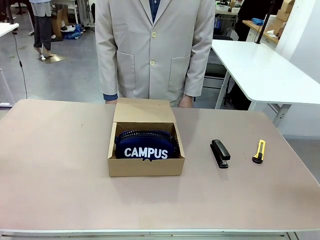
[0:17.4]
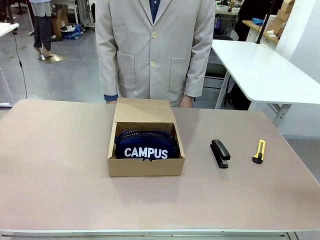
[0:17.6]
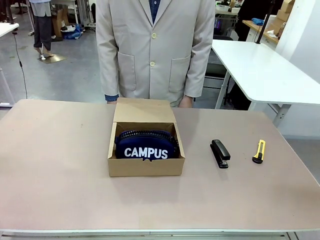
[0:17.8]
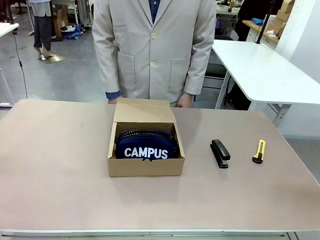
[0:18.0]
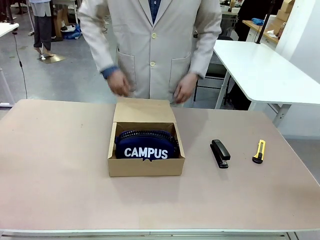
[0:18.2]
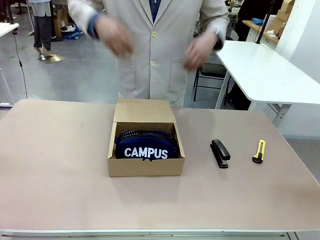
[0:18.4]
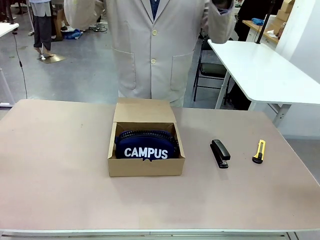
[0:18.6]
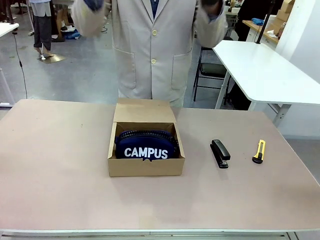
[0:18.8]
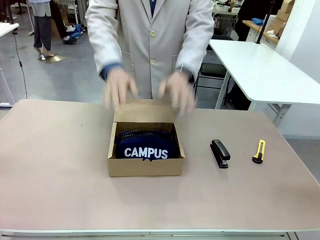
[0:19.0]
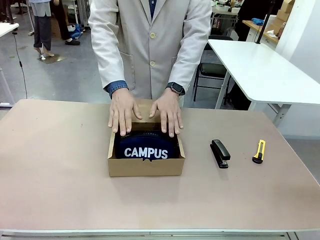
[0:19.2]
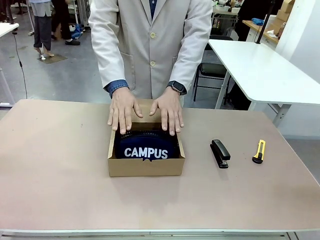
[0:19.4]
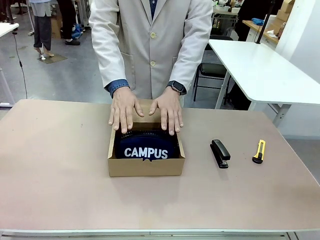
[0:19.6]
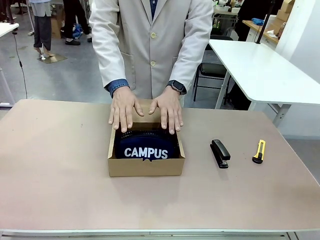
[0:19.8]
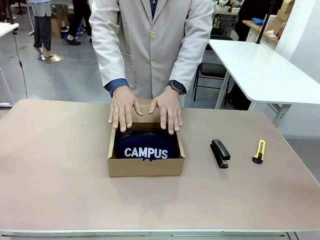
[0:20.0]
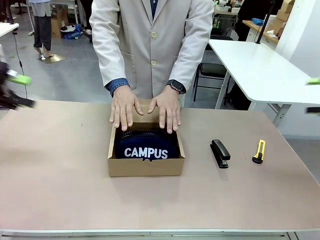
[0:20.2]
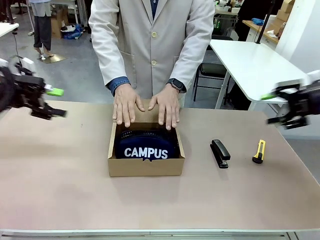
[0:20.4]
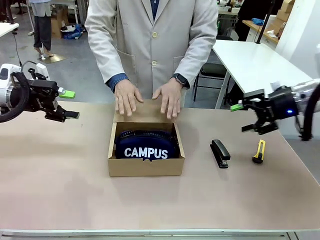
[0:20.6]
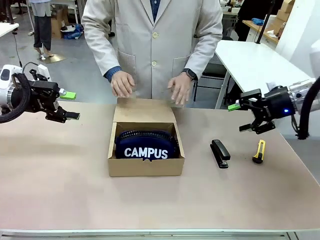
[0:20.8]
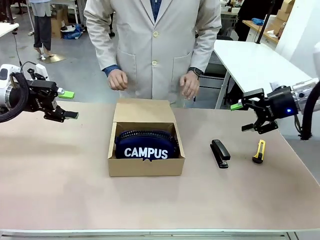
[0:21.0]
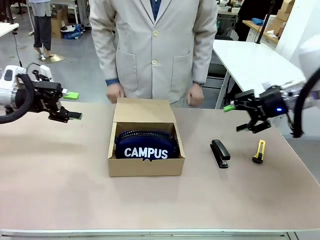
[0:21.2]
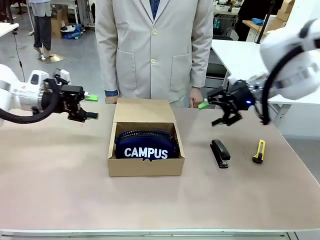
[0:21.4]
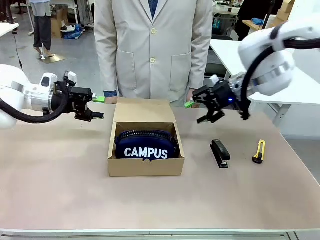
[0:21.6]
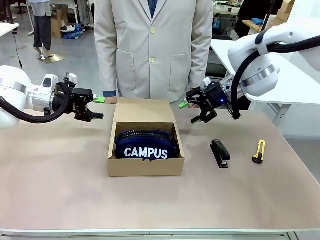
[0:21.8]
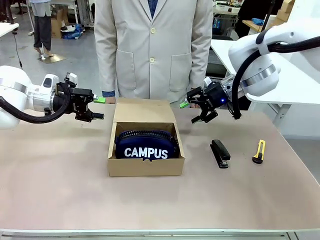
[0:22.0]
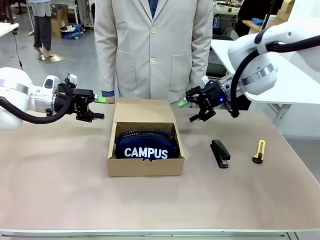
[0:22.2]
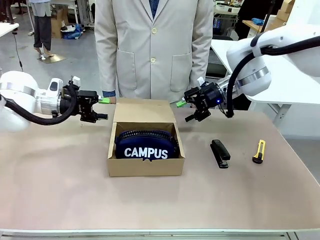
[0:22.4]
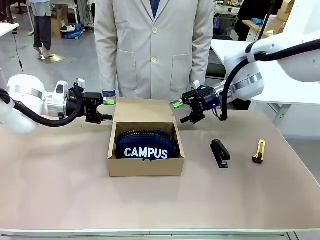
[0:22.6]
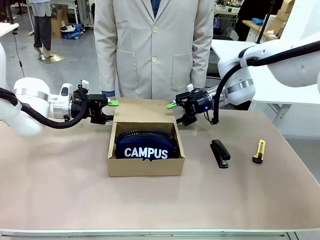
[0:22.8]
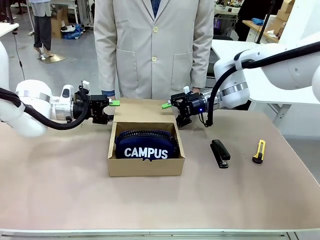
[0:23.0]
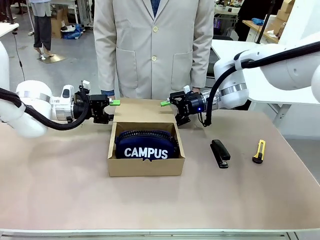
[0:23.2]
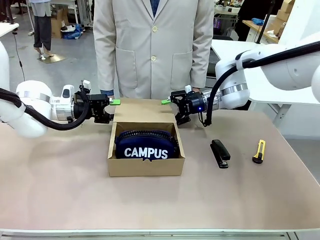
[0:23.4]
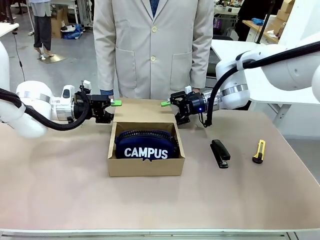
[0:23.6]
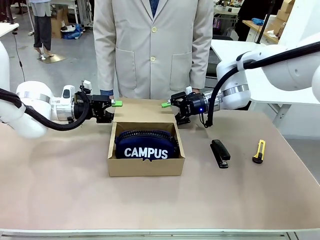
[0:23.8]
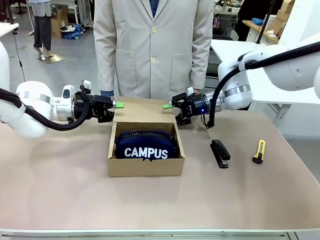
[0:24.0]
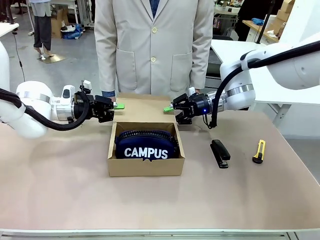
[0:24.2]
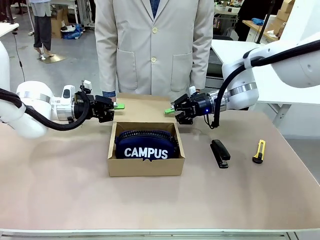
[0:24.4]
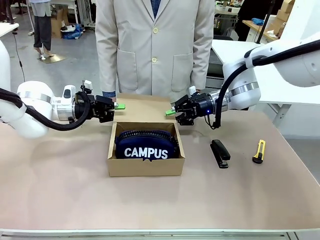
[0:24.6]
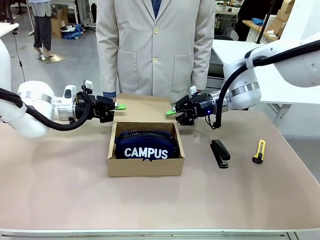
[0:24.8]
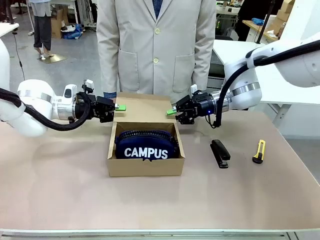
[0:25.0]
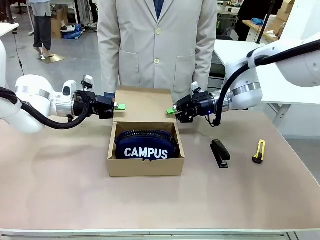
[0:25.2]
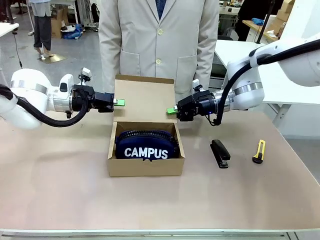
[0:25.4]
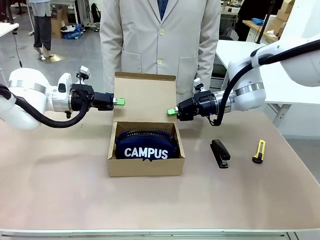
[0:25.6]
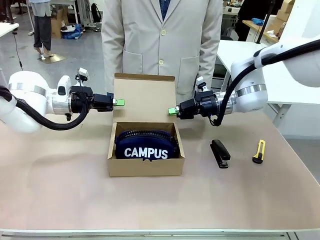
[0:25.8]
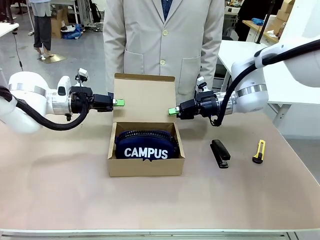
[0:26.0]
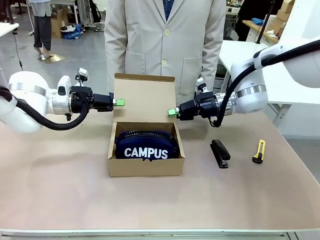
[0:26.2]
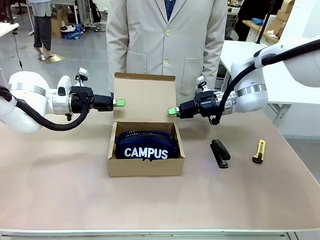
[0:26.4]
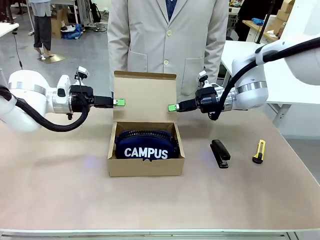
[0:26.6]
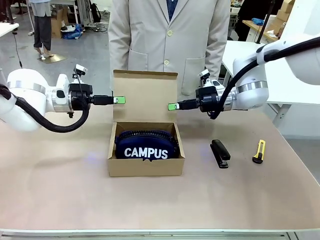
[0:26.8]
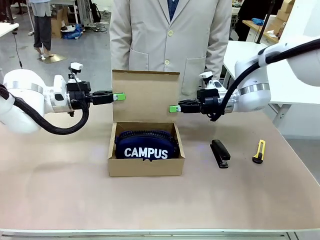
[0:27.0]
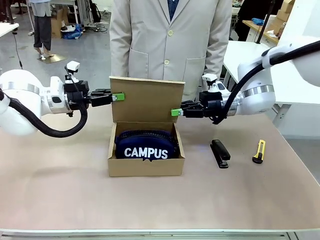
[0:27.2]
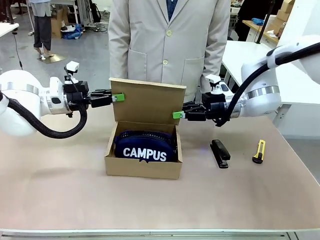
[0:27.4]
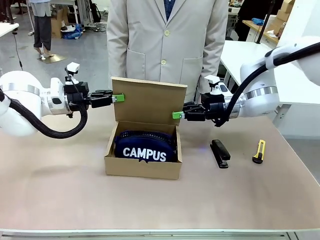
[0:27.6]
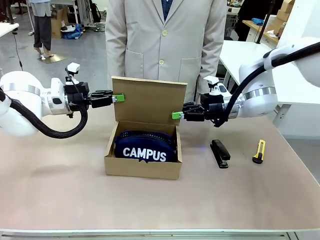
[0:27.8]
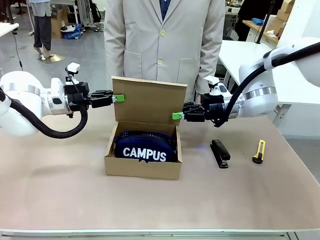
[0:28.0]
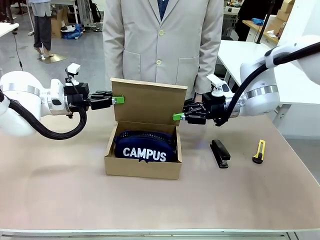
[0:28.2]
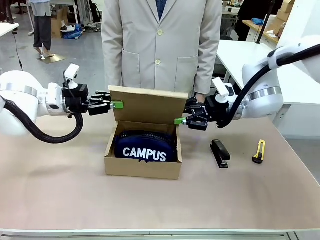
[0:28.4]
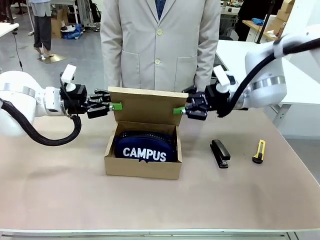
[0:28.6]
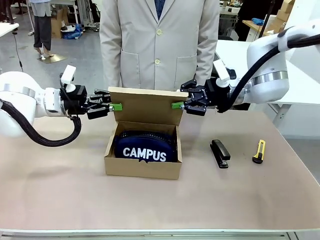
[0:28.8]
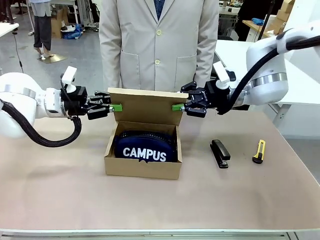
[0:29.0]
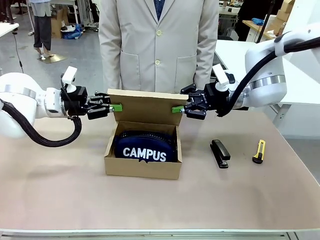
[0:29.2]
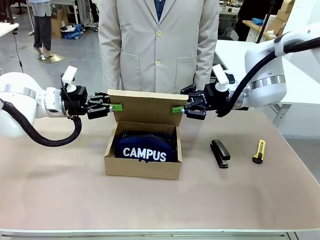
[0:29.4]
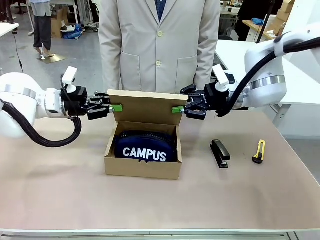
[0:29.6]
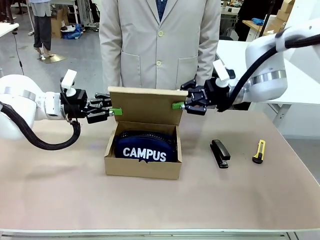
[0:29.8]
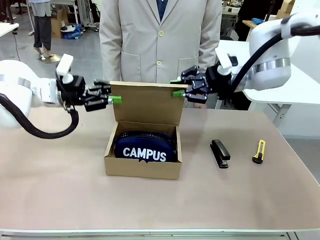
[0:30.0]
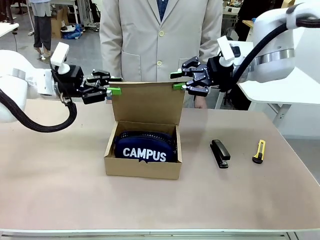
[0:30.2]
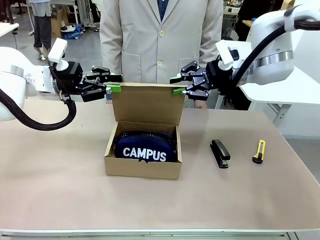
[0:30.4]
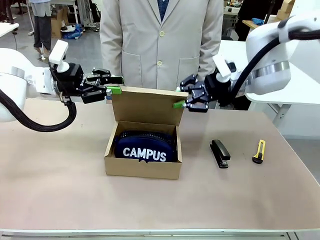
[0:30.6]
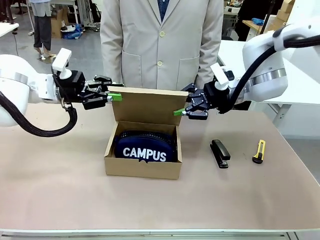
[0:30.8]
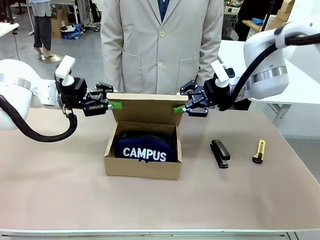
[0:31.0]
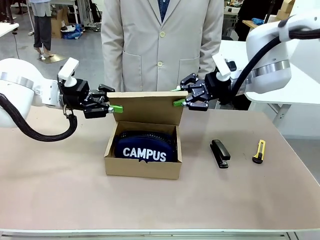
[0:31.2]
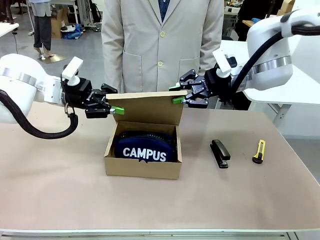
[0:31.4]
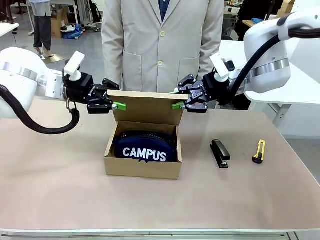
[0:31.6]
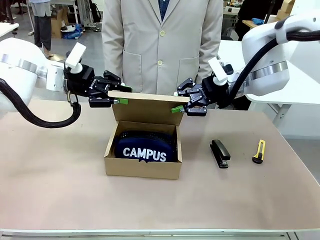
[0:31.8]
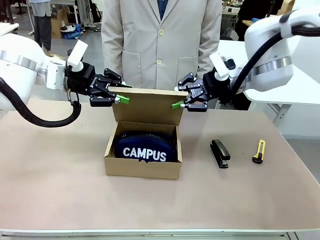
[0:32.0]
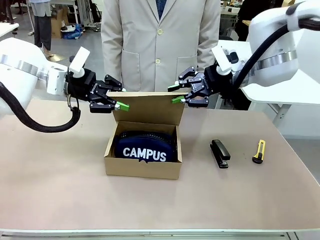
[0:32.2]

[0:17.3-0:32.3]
Task: Pack the item into the box.
Robot: Close the Mailer Box.
Person: Lower both hands vertically with palms facing downward, as if pressing something closed.
